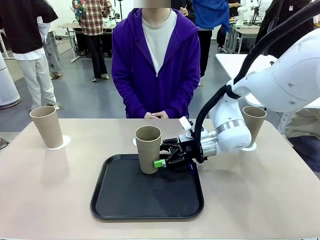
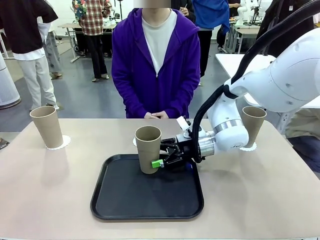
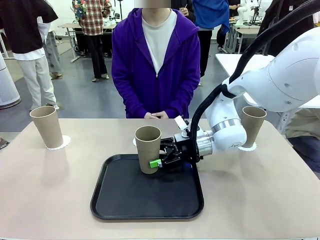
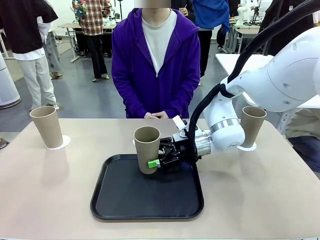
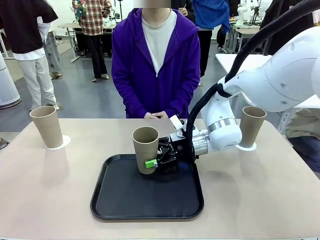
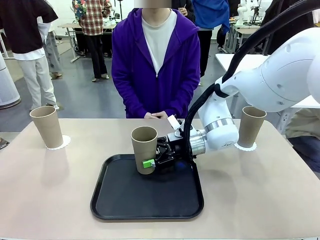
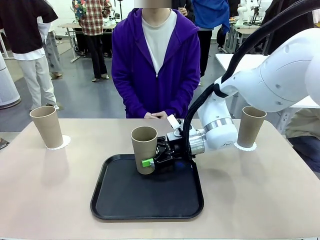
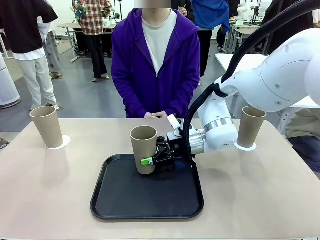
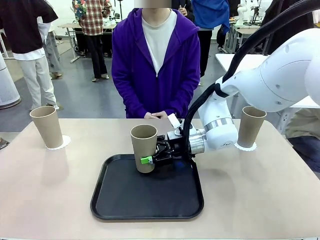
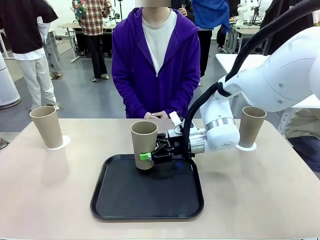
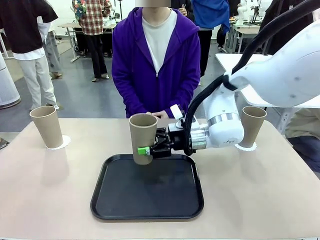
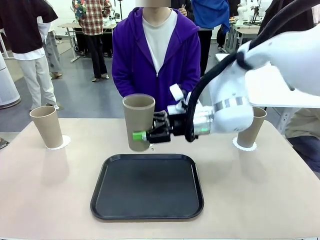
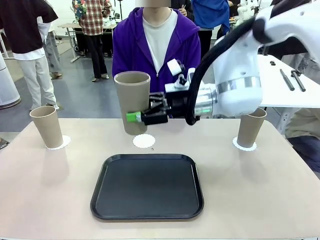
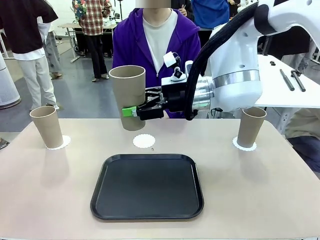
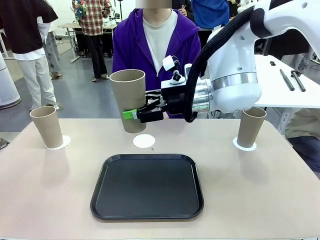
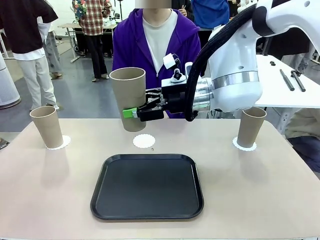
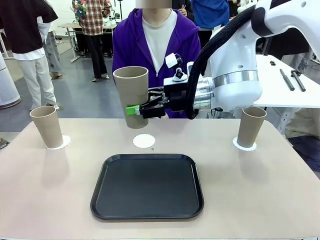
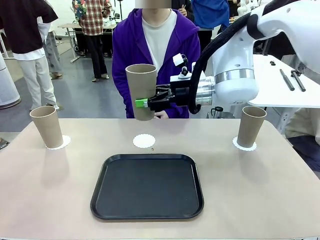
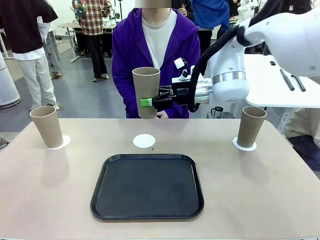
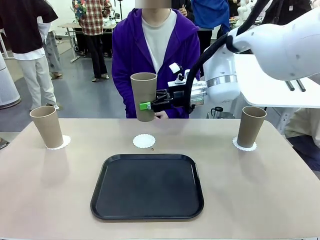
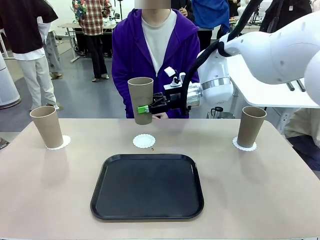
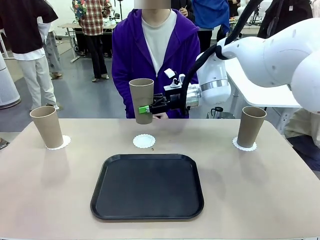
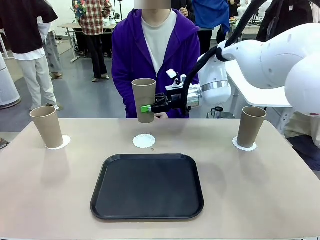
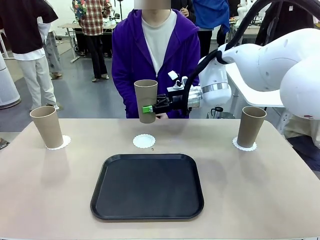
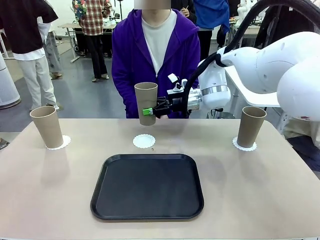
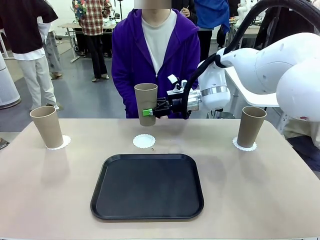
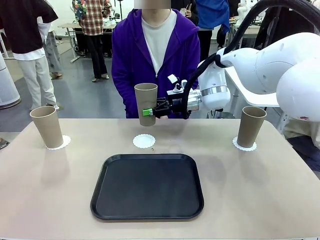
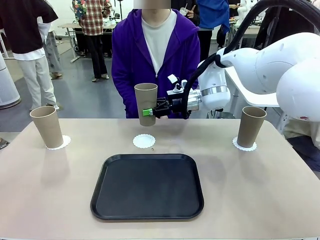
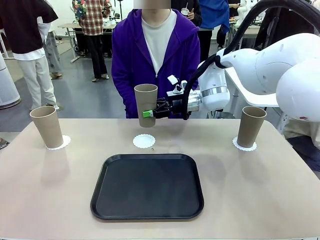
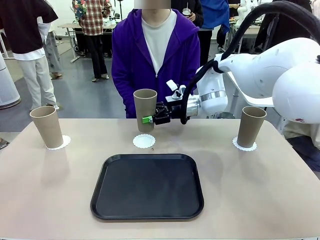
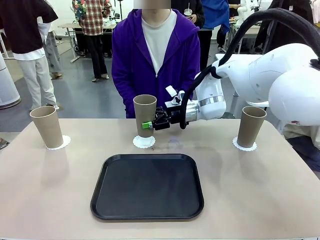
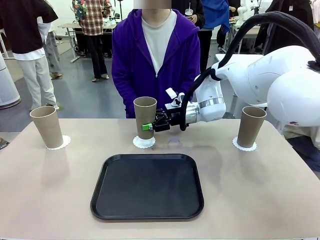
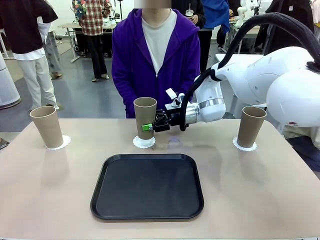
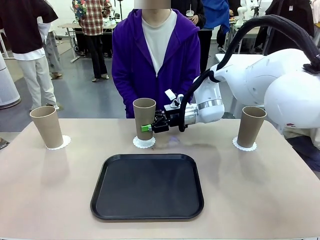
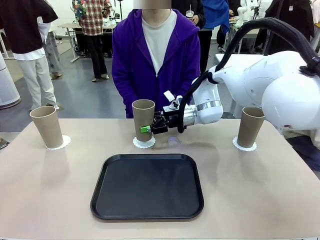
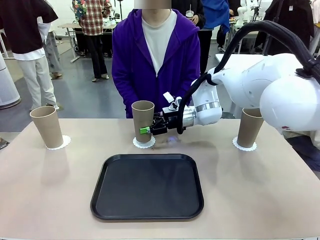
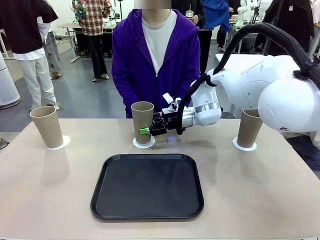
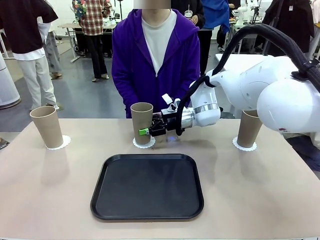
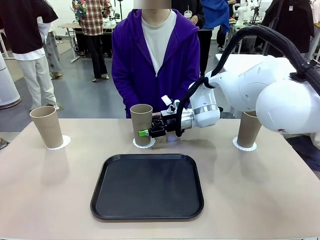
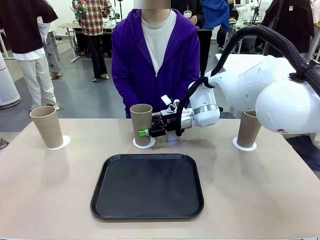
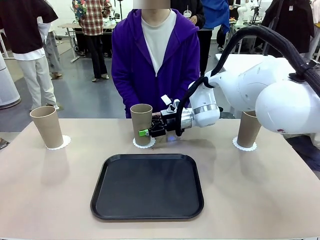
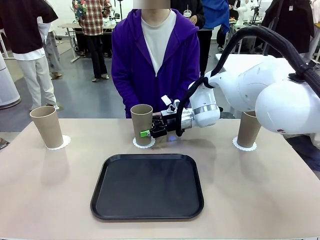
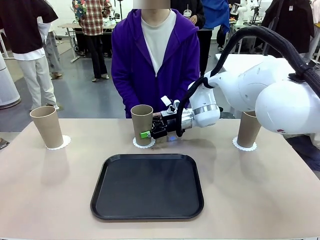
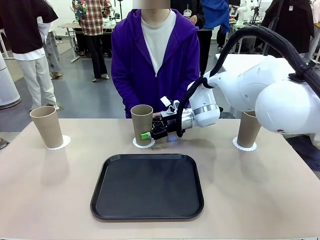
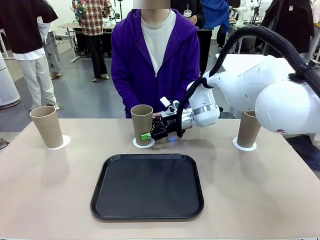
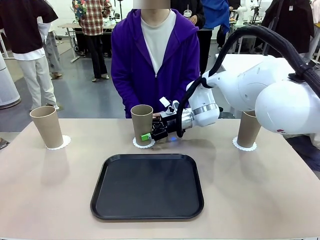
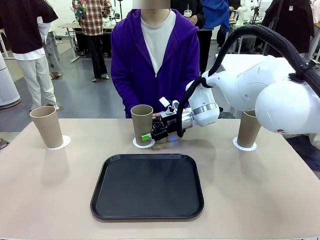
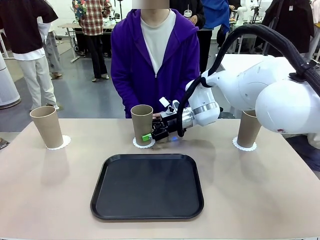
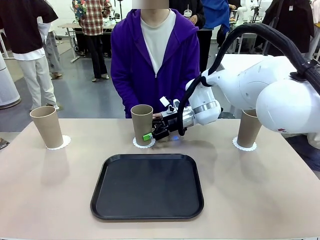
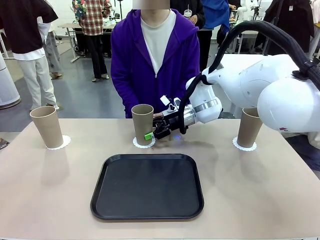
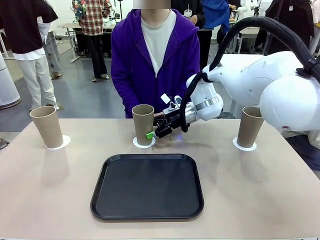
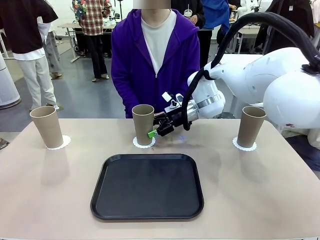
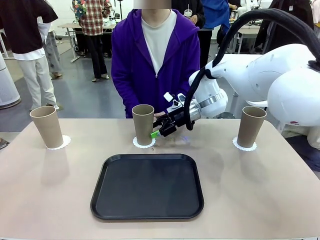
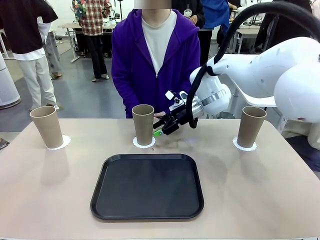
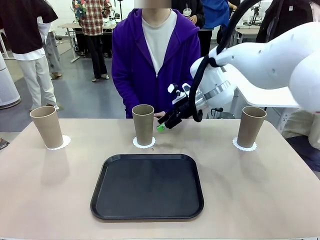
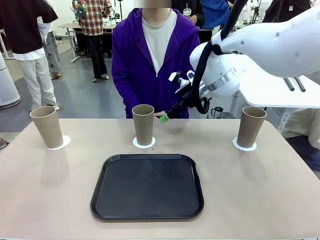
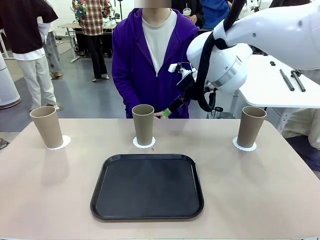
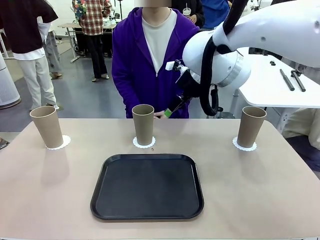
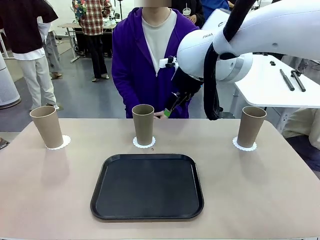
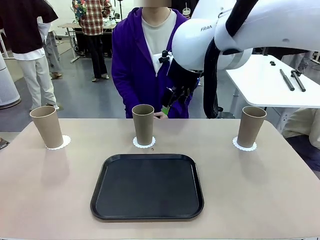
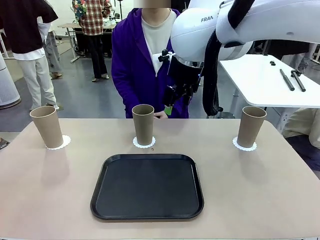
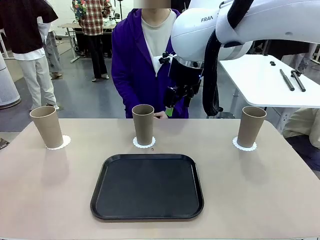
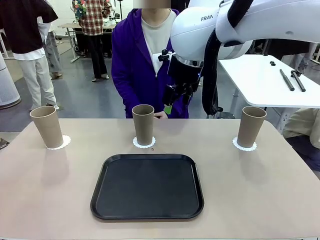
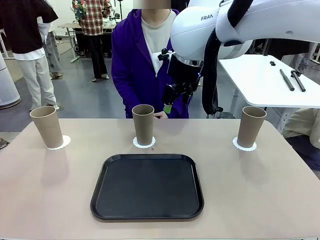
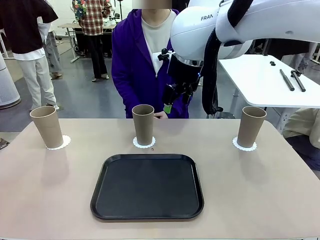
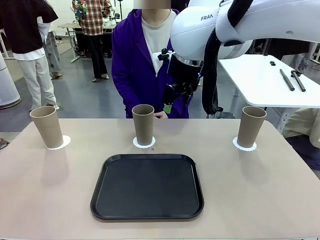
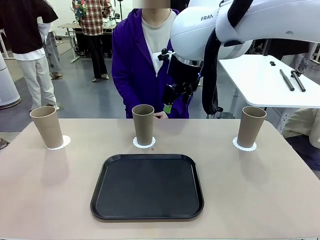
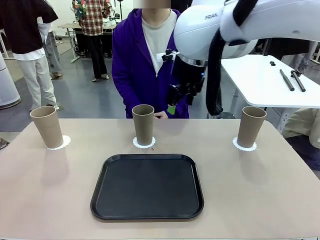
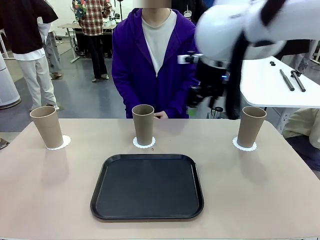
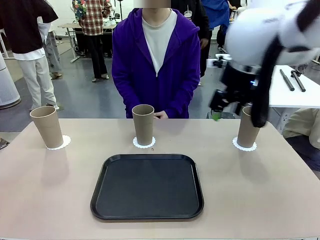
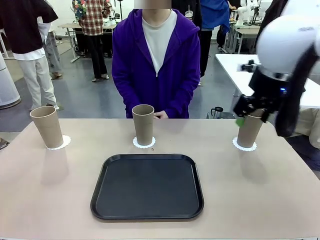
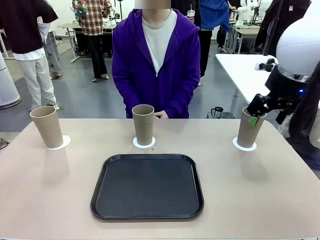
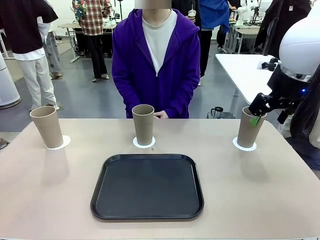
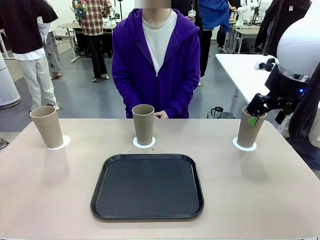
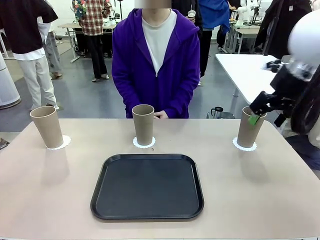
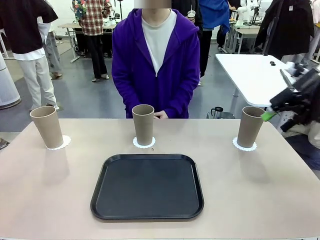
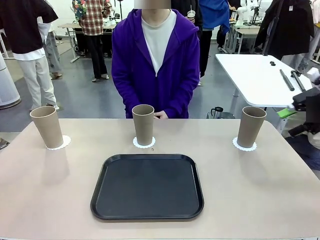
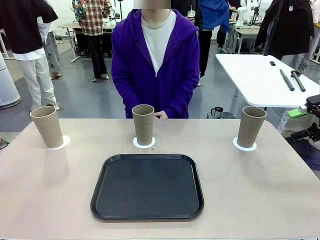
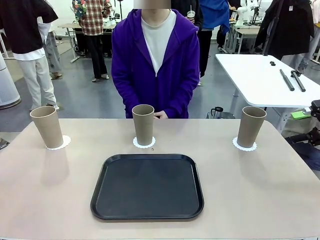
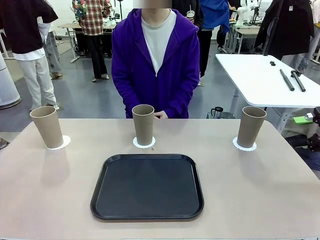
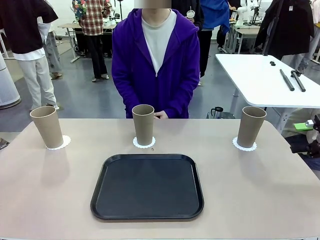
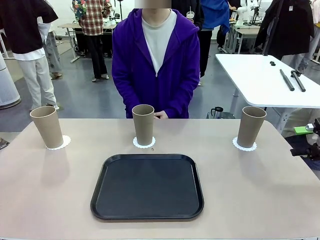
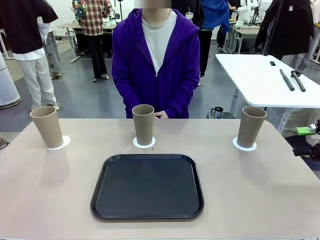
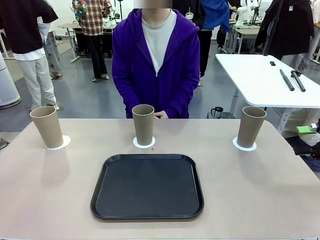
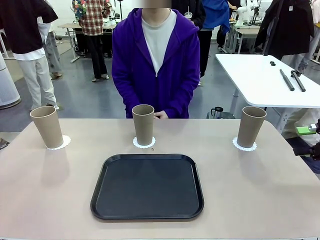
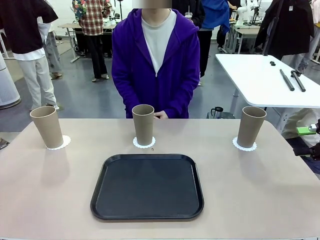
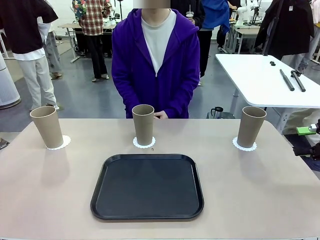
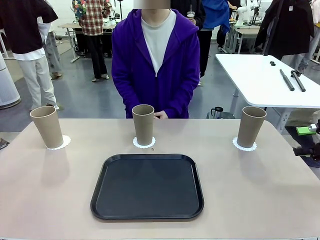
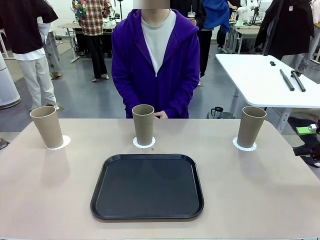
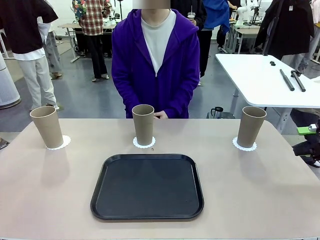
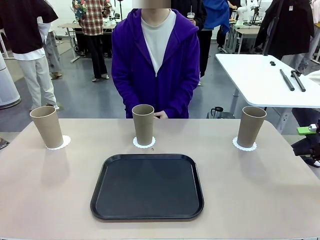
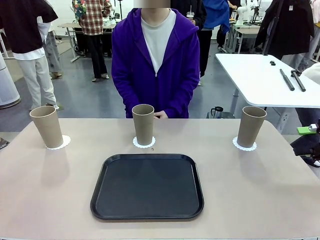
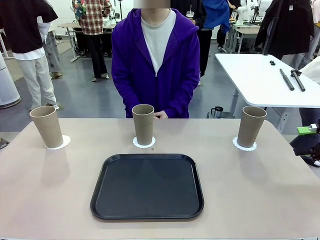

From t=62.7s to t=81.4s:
Task: Place coasters on the table and set cups on them.
Robot: Take one Reusable plastic cup from the Flat Tray and place it on a coaster set by the human.
